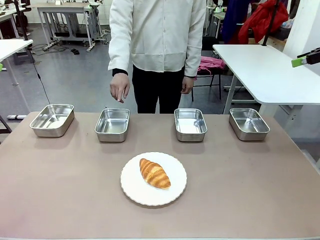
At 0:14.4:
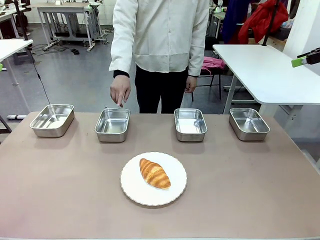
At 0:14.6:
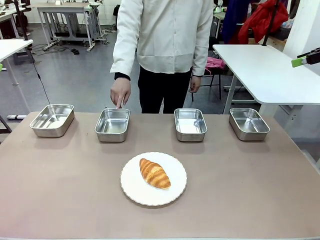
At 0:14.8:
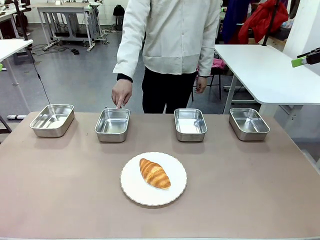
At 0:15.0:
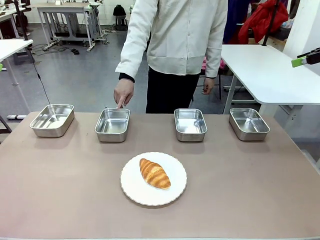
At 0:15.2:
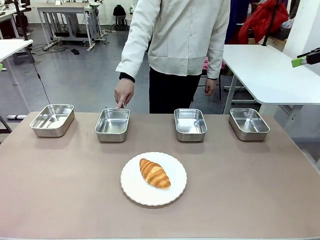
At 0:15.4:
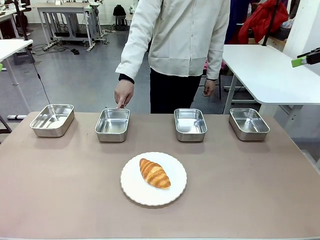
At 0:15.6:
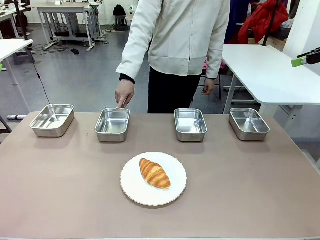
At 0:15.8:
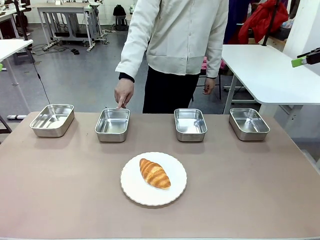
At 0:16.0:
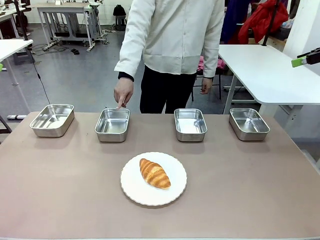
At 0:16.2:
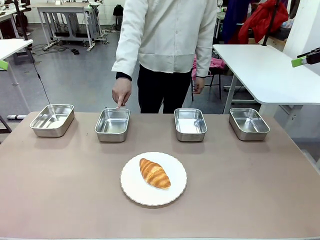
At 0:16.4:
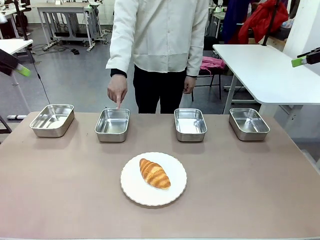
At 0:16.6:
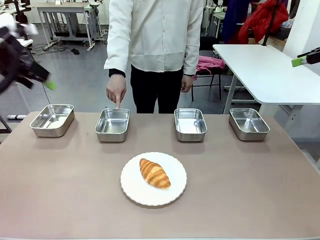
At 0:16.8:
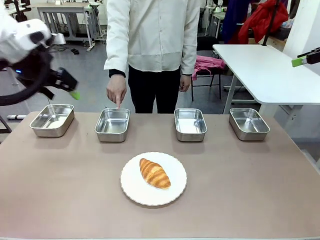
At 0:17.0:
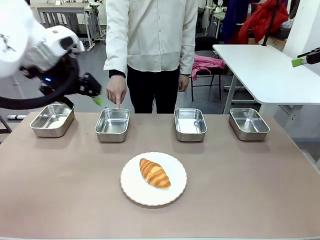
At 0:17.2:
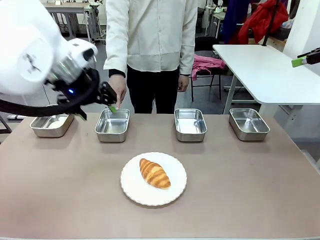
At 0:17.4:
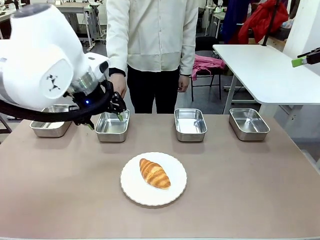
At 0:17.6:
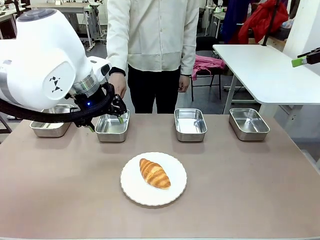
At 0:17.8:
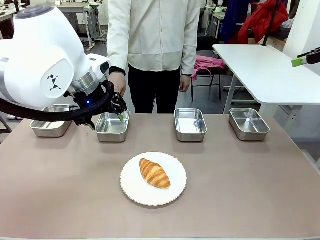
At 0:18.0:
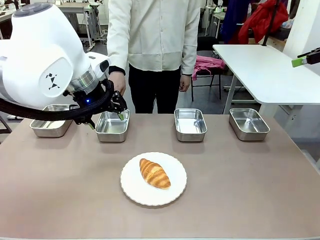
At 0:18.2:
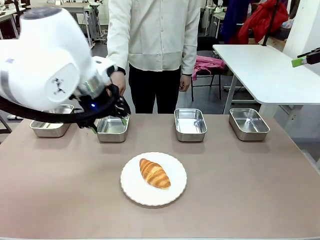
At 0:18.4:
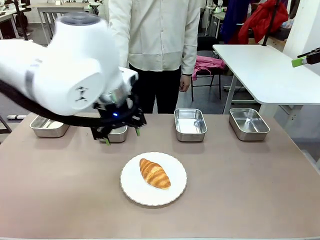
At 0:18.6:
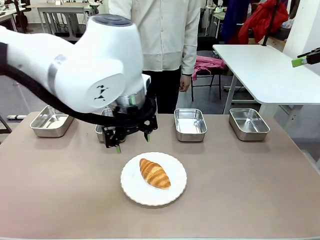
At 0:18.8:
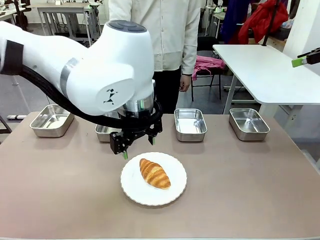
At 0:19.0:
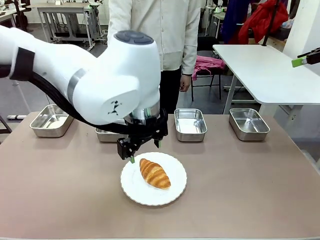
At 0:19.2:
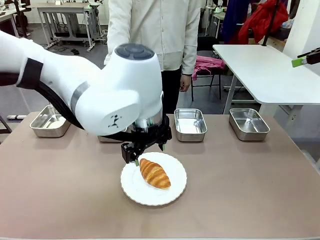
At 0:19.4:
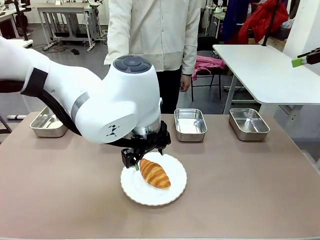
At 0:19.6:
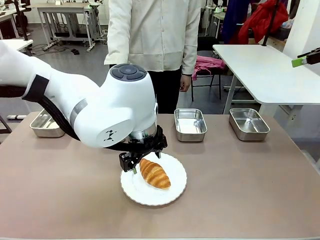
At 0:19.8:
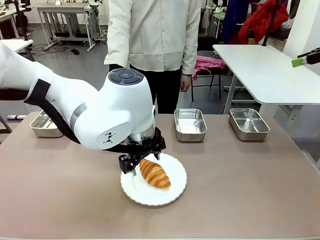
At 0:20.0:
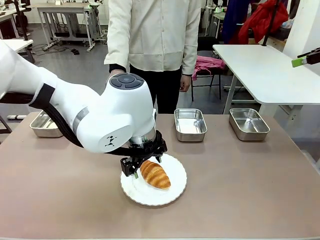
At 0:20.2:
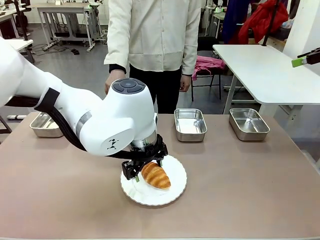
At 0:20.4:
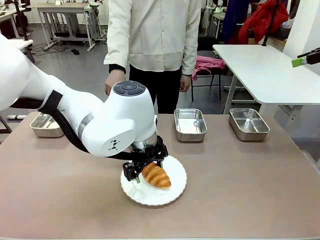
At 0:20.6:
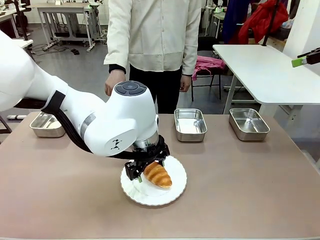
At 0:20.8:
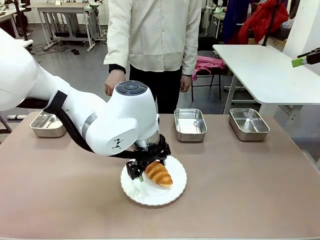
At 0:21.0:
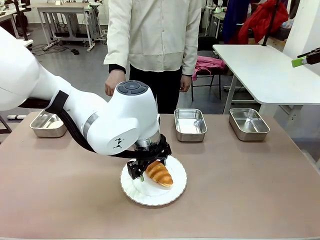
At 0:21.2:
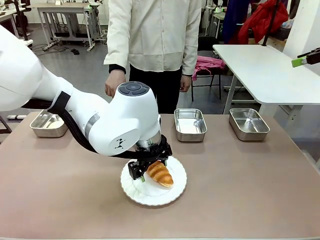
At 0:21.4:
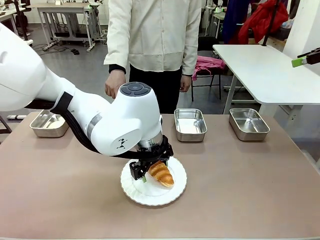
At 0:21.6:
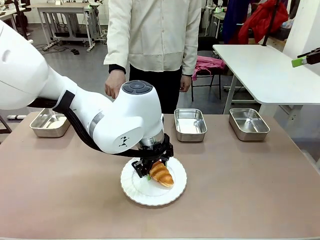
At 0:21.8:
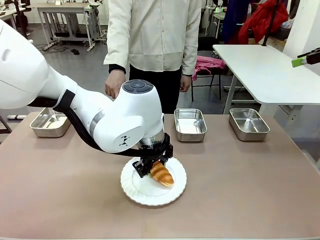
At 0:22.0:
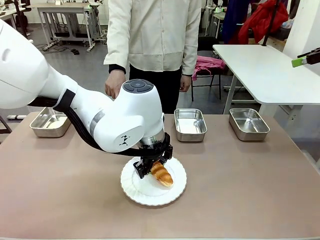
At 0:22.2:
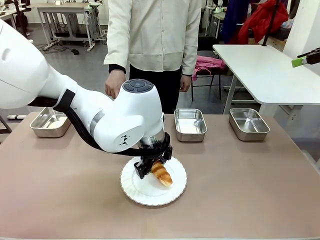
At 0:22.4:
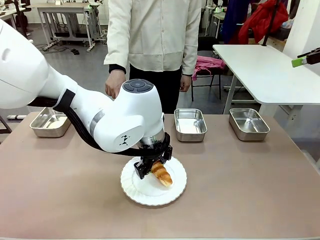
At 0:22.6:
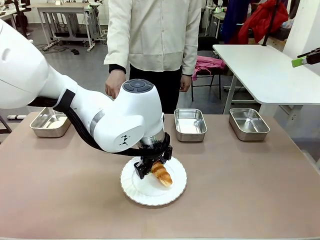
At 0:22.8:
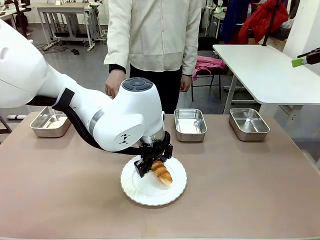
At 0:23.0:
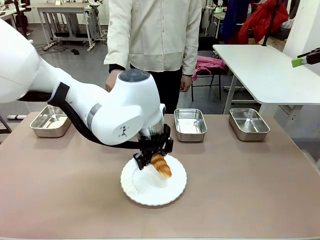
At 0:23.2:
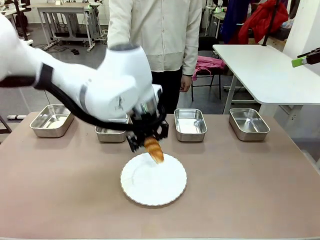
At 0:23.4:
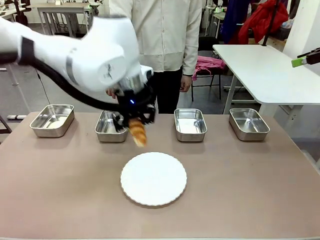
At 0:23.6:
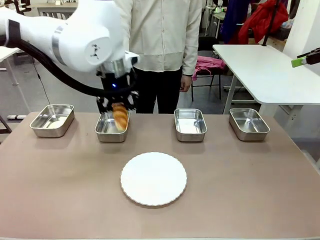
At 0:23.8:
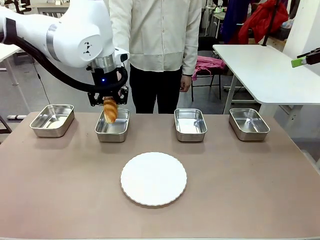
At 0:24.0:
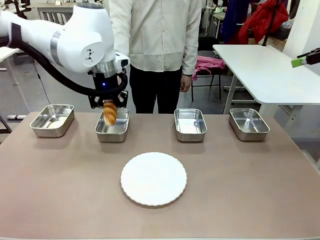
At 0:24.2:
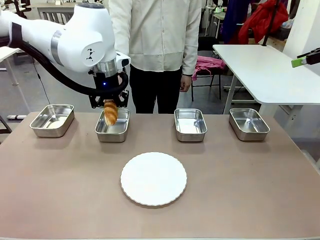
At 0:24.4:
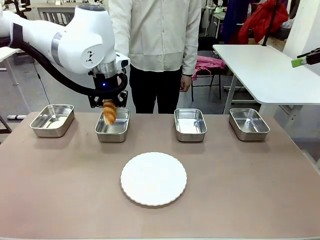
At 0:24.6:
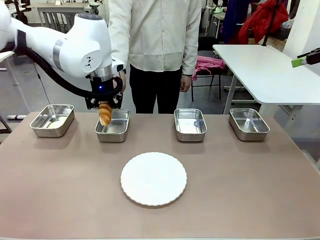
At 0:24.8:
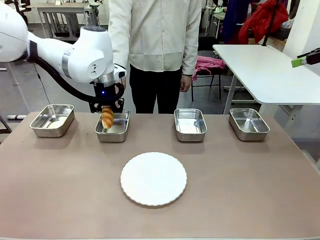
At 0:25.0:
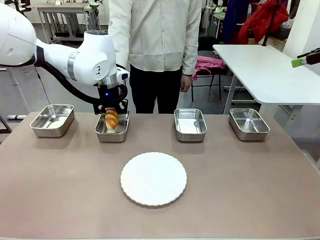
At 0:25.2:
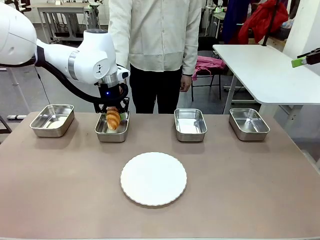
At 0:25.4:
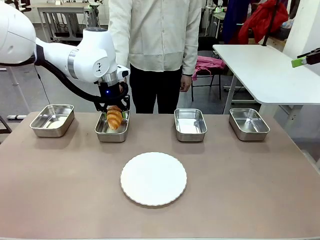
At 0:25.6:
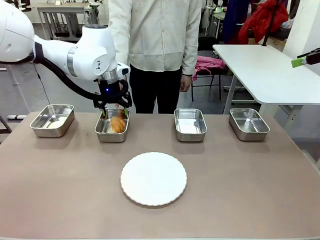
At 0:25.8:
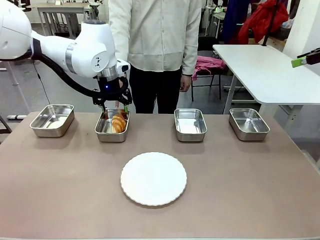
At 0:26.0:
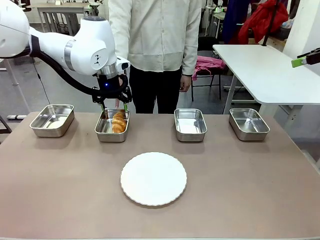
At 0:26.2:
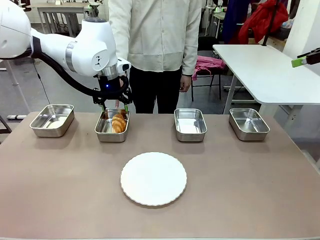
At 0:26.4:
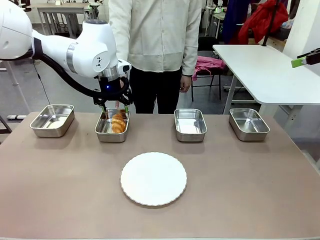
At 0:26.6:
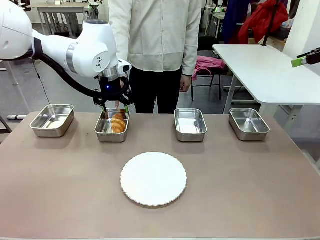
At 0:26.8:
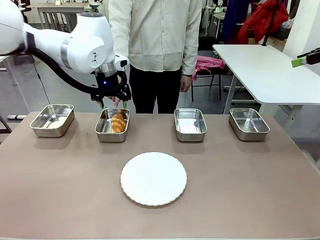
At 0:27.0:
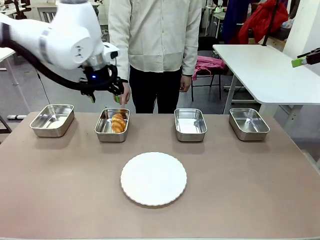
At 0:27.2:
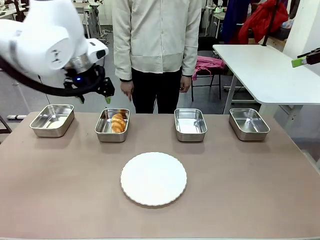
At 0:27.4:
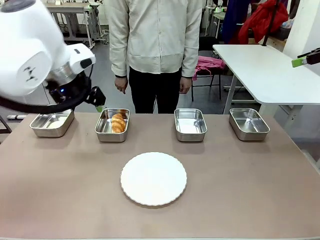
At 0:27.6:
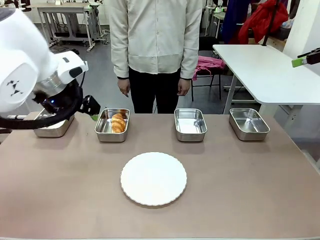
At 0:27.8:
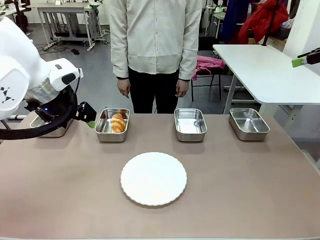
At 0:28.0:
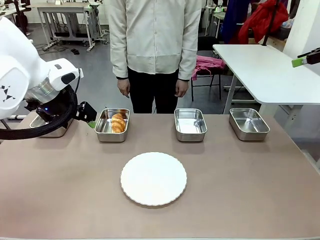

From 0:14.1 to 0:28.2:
Task: Place the bread in the container.
Robot: Place the Butter Roll into the Airtight Container indicated by the human.
